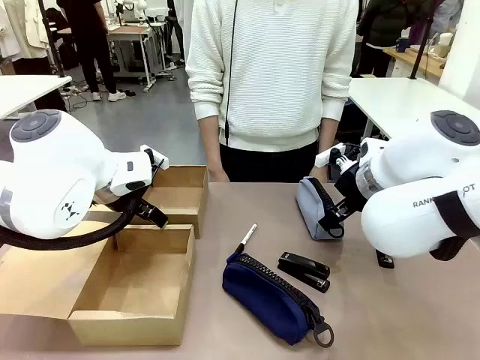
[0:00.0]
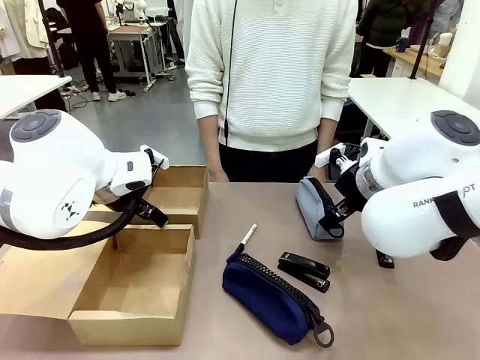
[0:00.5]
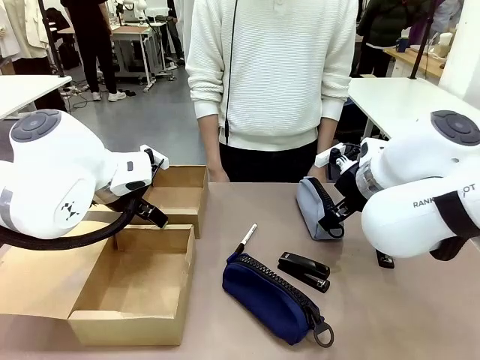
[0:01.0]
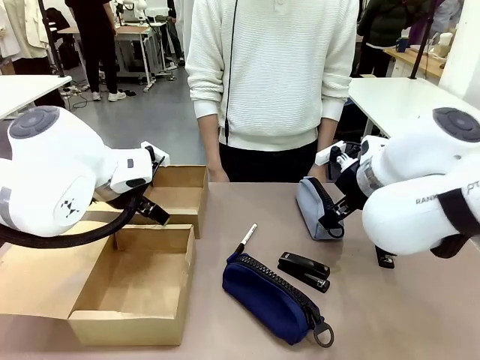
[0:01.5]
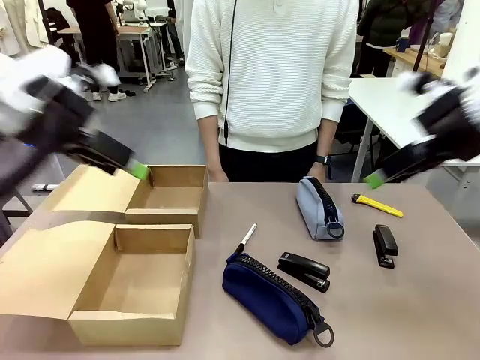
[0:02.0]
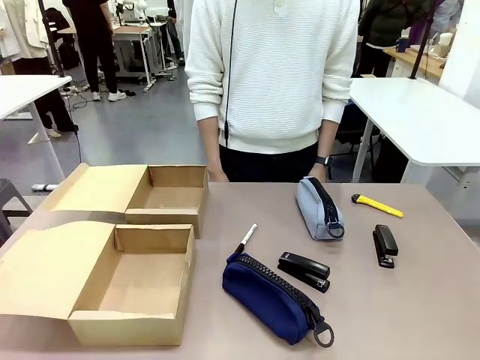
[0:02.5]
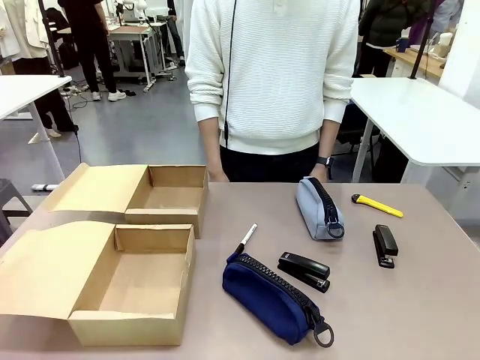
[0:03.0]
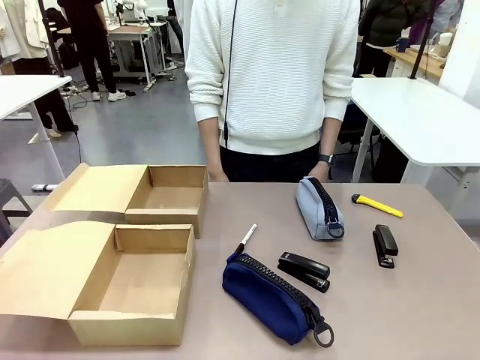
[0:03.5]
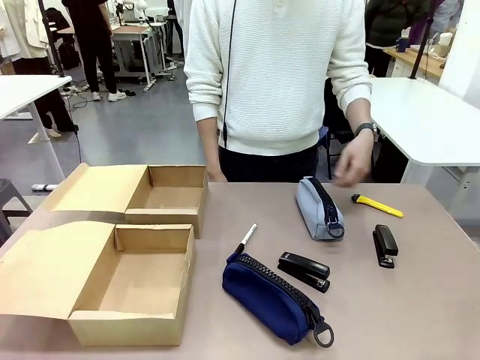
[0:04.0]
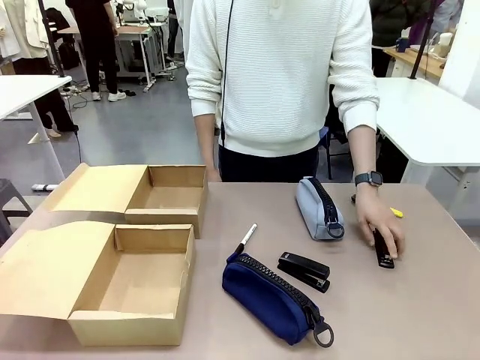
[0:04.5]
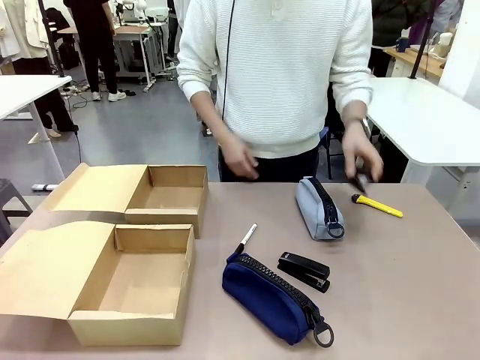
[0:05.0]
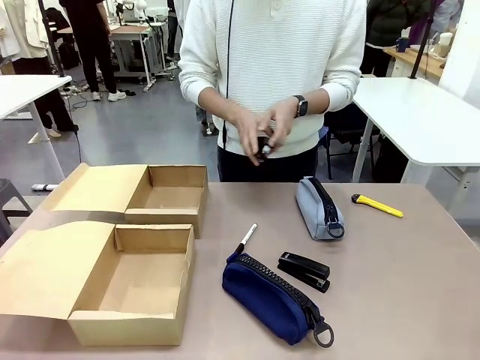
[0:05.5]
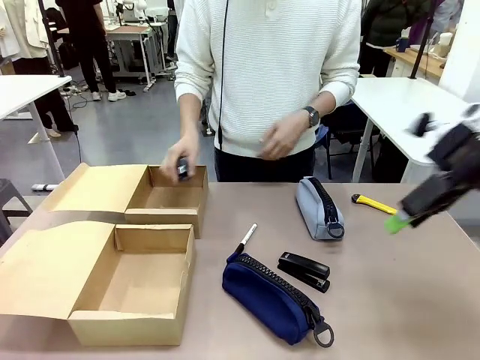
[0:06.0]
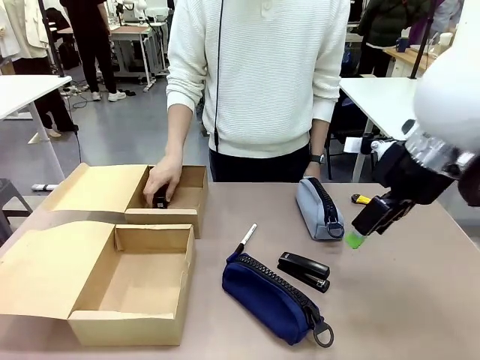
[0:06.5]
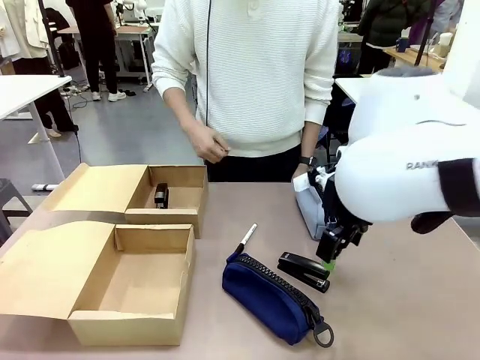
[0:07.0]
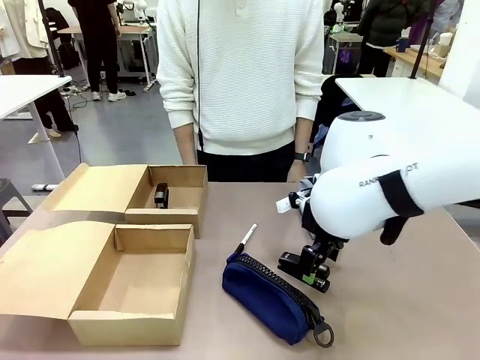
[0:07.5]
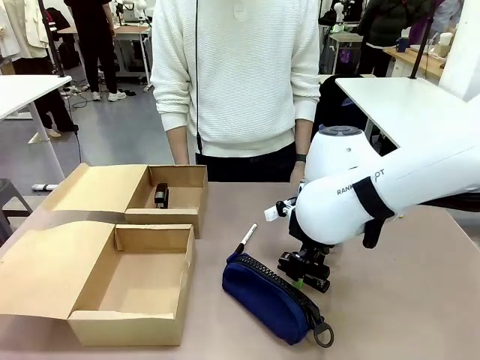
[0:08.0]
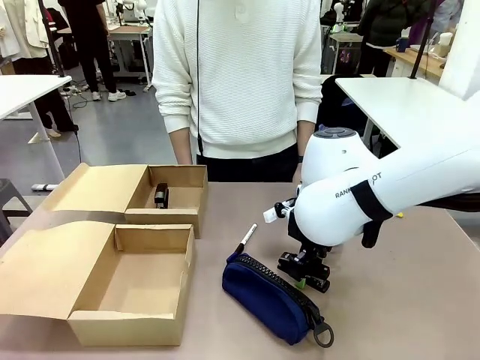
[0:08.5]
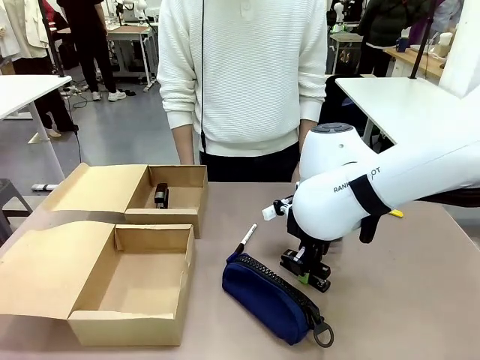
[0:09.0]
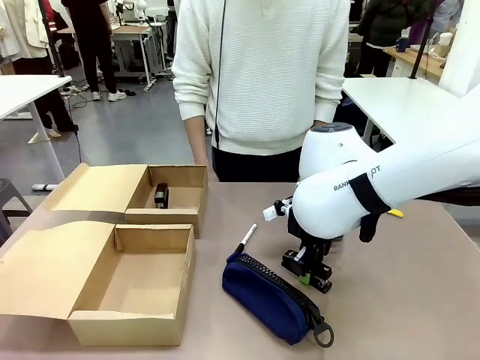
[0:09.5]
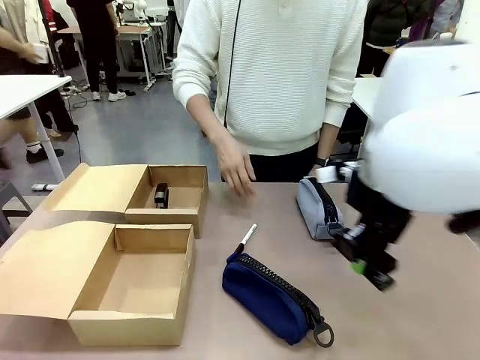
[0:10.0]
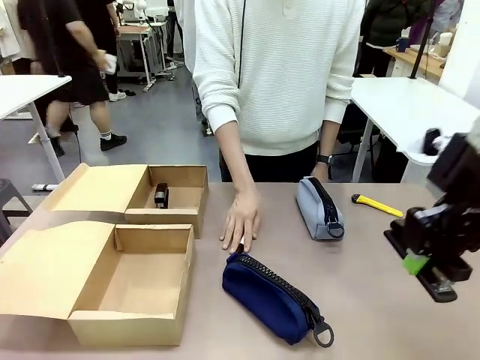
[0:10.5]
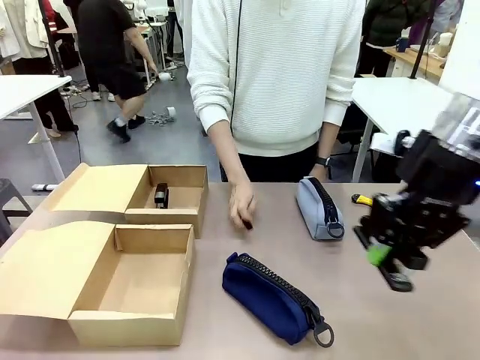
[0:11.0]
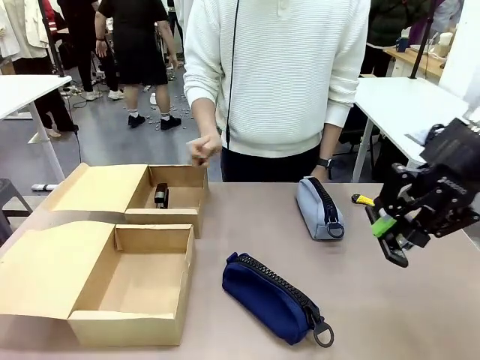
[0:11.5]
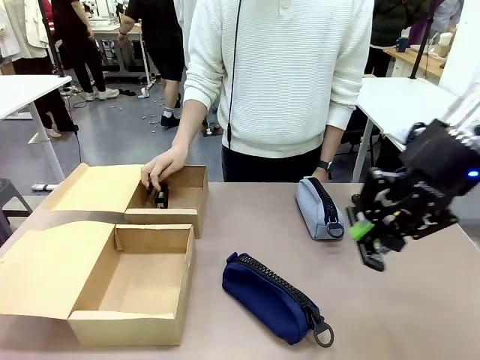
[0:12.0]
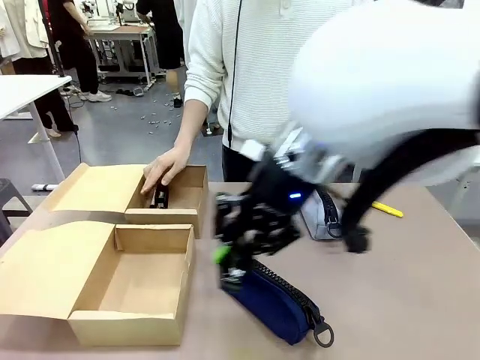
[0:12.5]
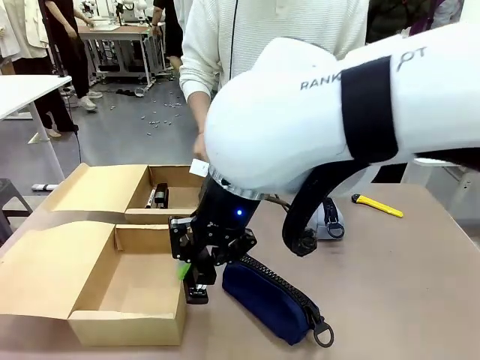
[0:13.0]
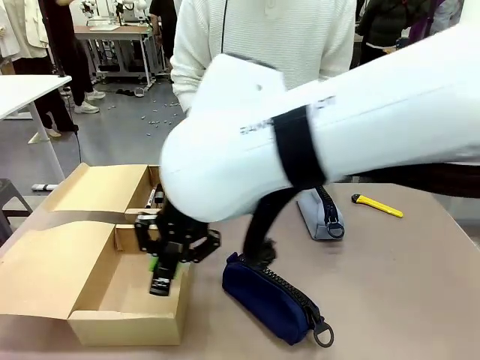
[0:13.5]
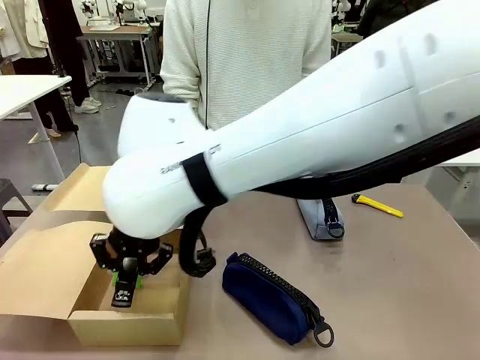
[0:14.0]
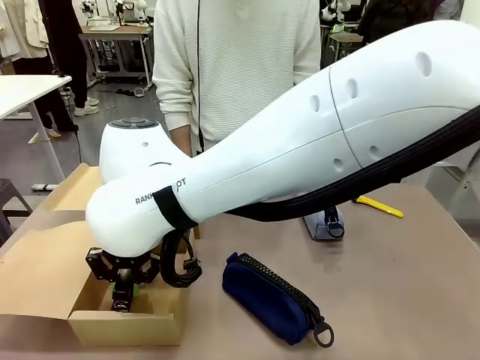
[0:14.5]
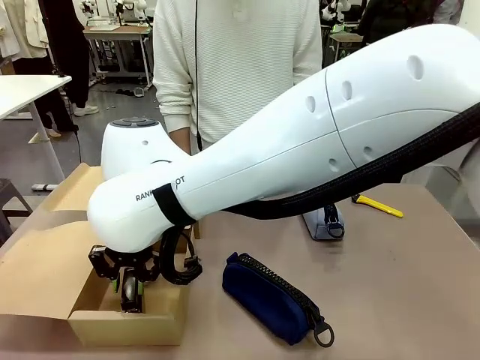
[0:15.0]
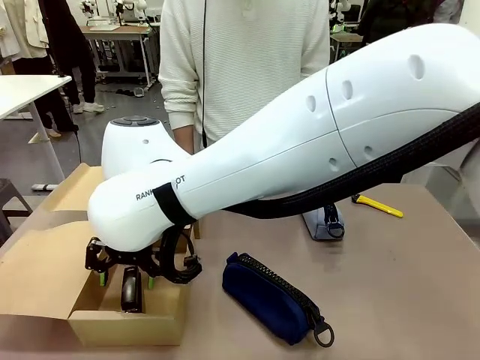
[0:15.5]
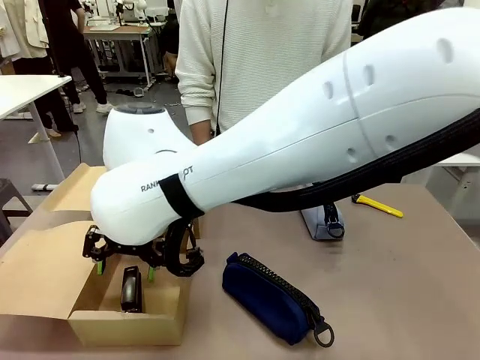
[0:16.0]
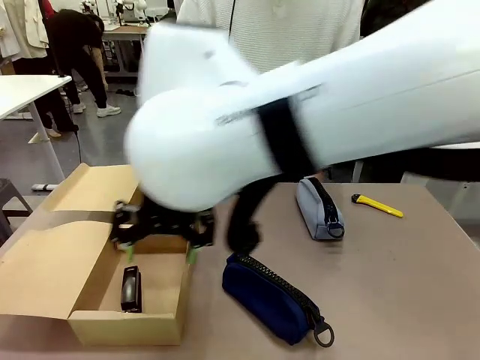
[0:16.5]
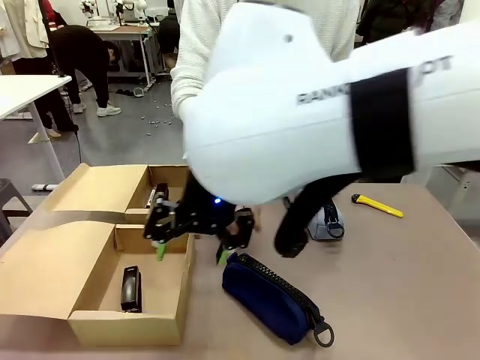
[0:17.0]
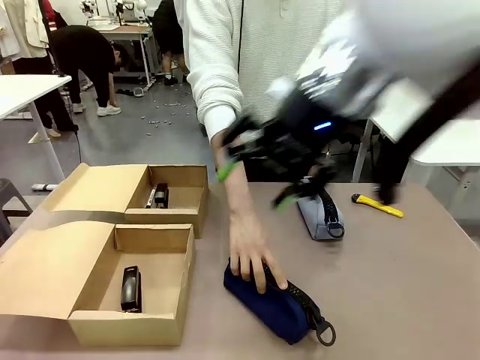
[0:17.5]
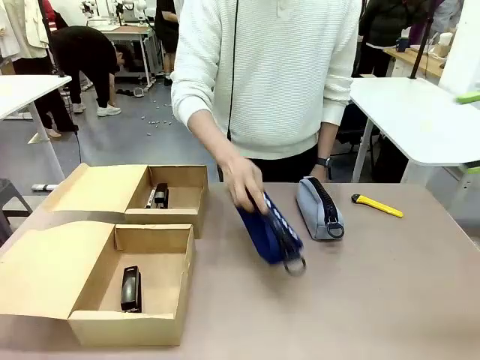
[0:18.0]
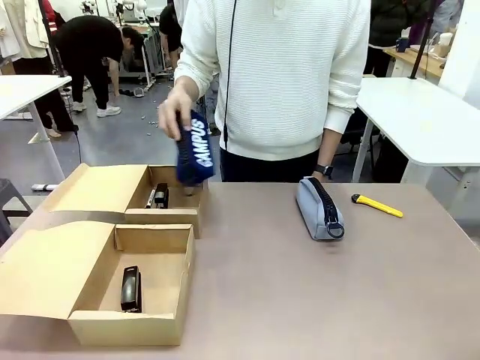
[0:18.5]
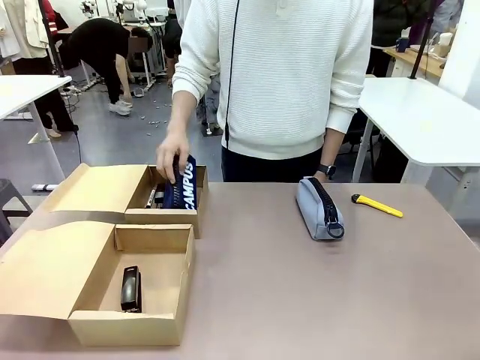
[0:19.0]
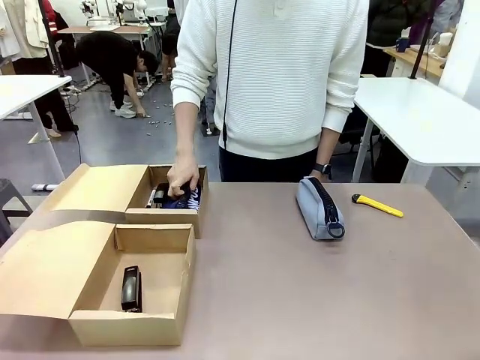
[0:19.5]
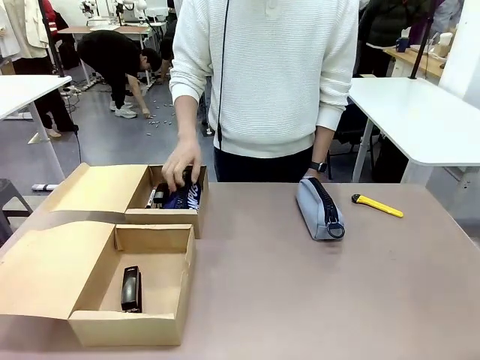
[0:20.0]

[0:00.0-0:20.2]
Task: Place items inside the box.
Robot: Pick up a Pencil pouch or Stapler and place it inside the Mailer Box closest to the robot.
Person: Pick up an object on the table and put it in the box.

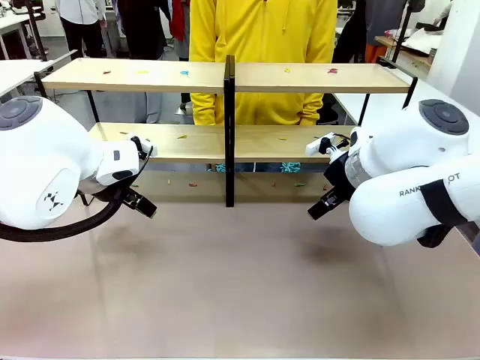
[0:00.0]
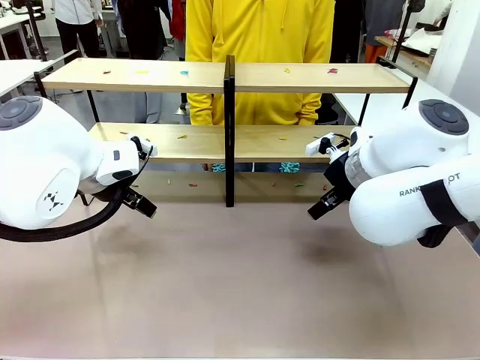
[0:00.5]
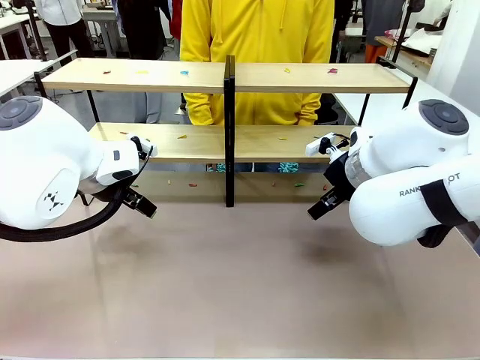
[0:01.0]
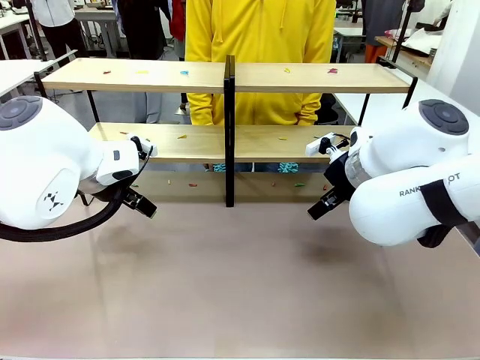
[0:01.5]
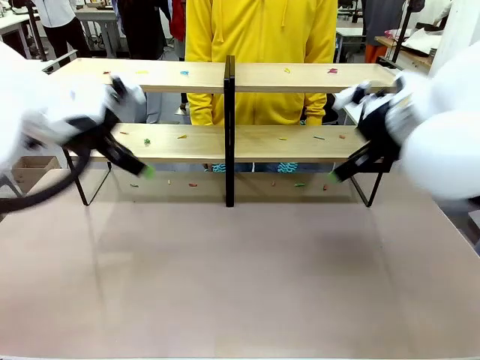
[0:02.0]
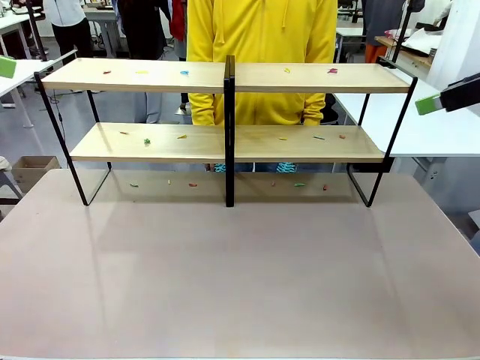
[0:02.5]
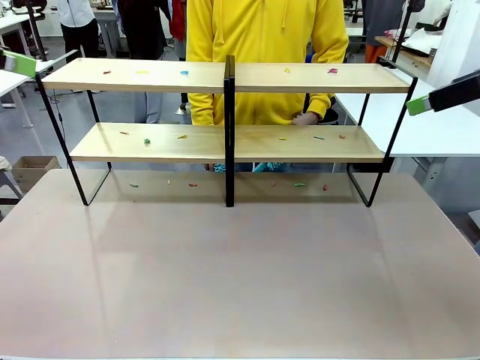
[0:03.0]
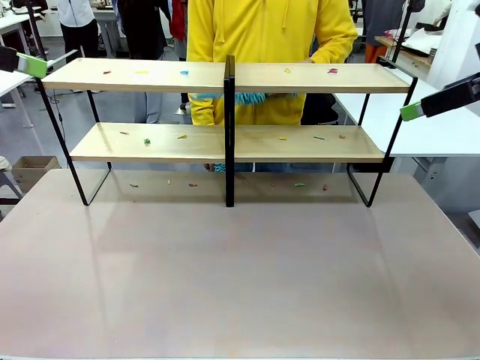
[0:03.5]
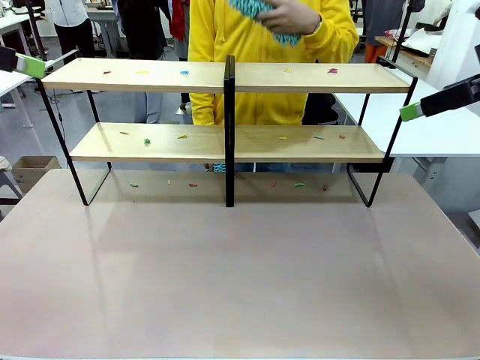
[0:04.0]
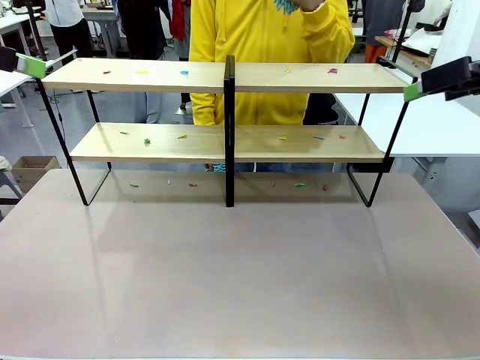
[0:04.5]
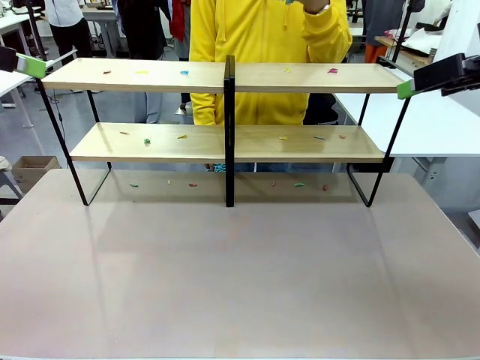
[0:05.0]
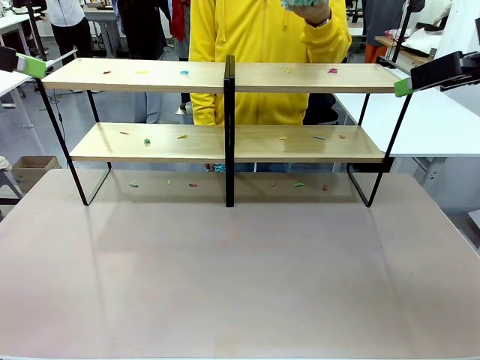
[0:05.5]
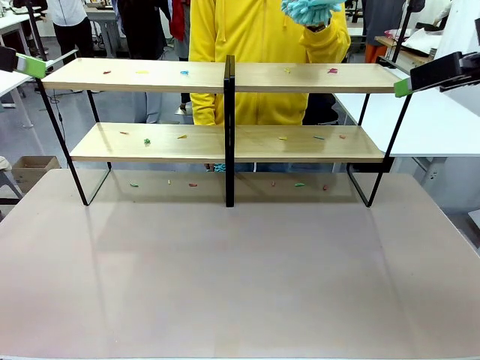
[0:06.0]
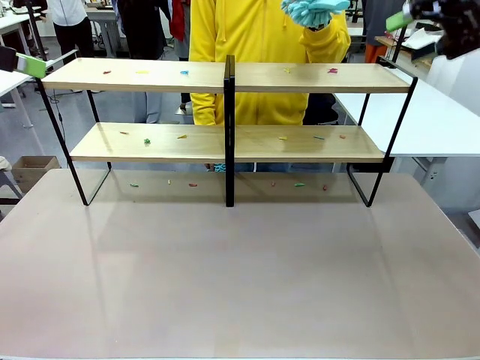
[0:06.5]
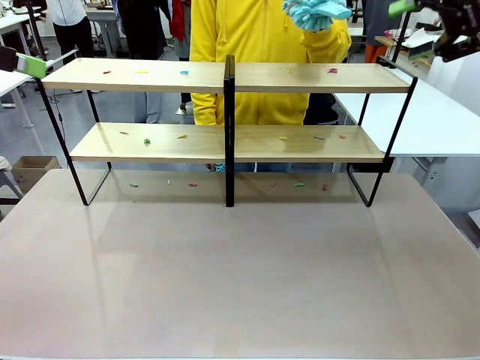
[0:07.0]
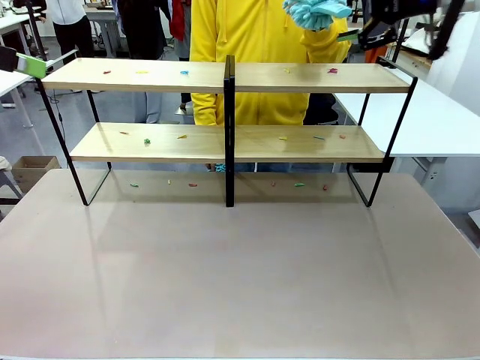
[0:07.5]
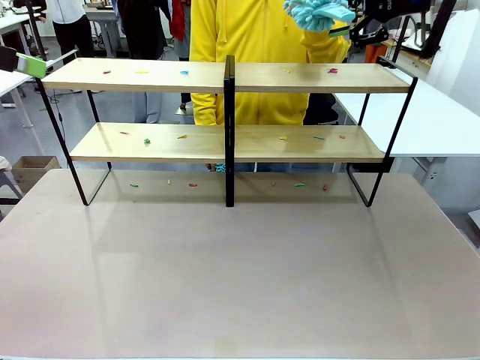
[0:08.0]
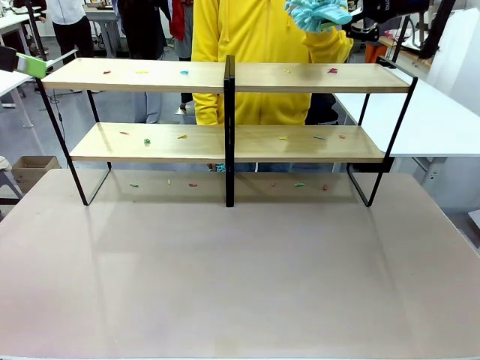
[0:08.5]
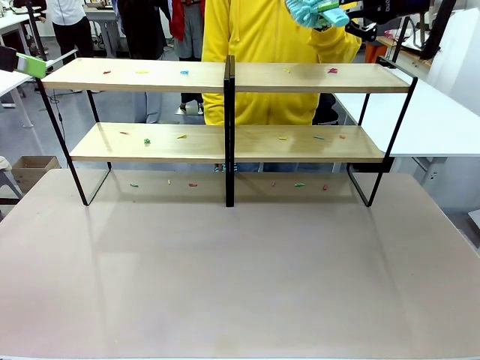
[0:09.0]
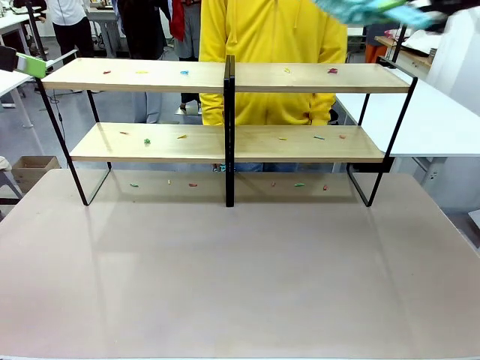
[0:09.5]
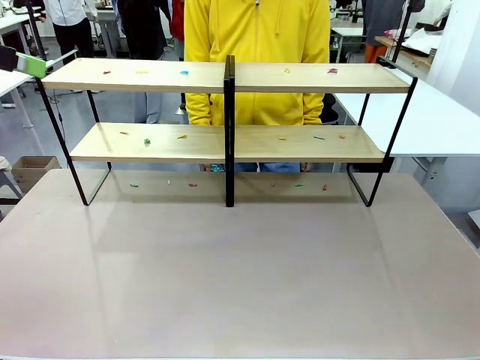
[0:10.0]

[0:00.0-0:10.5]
Task: Clean the shelves.
Robot: Pick up the Duster when the human hands it over.
Person: Hand the Duster to the robot with your right (or left) hand.
